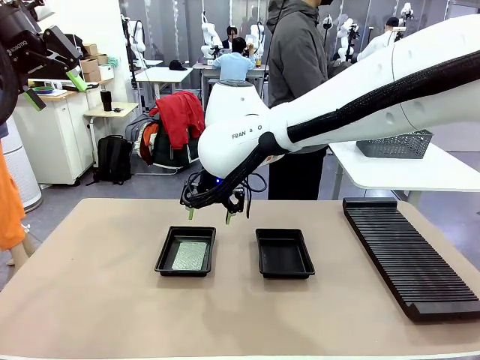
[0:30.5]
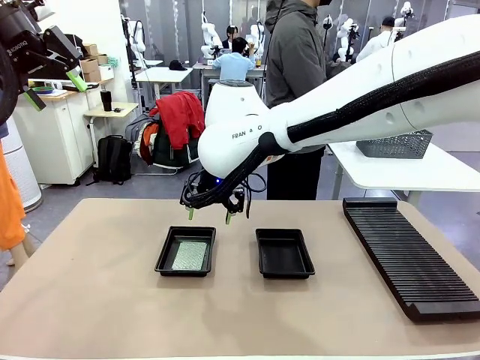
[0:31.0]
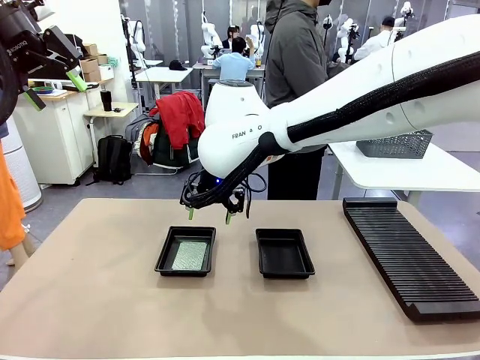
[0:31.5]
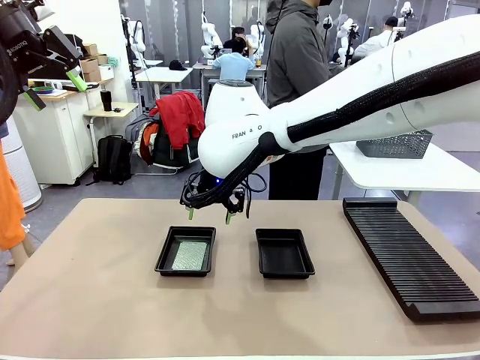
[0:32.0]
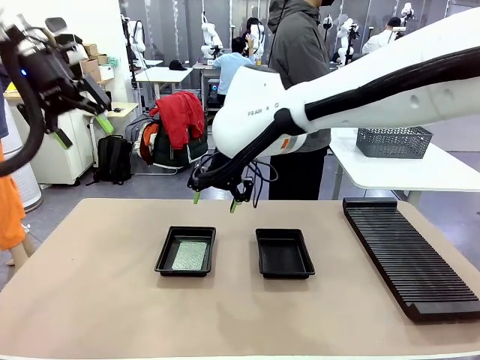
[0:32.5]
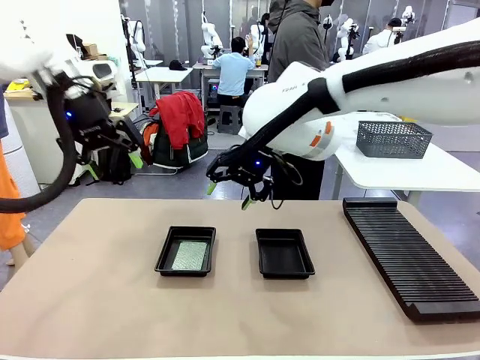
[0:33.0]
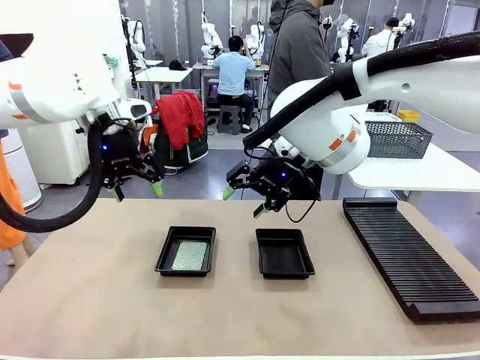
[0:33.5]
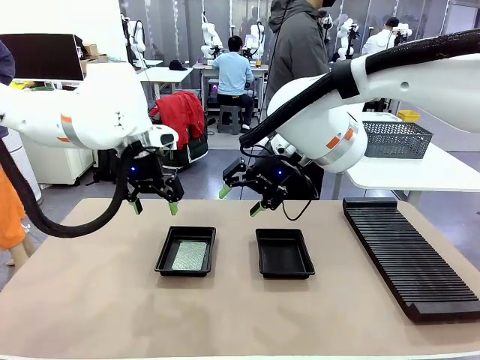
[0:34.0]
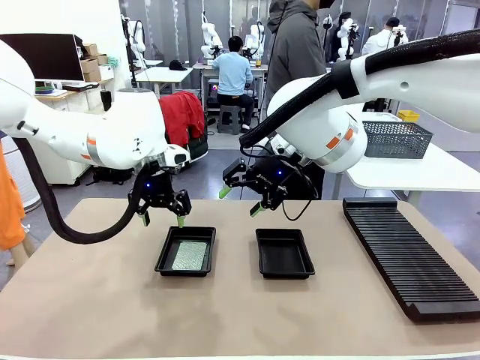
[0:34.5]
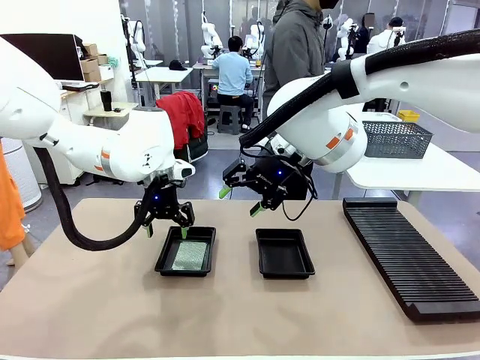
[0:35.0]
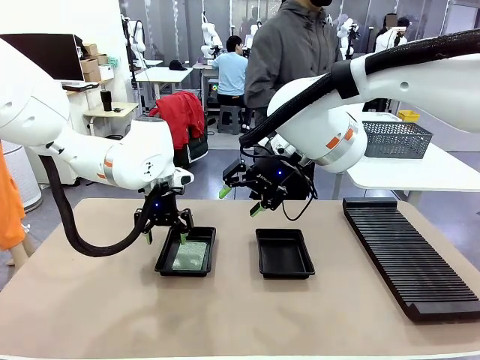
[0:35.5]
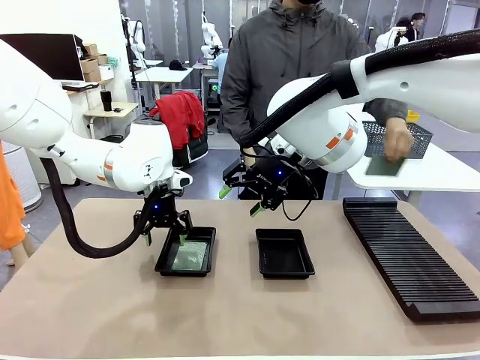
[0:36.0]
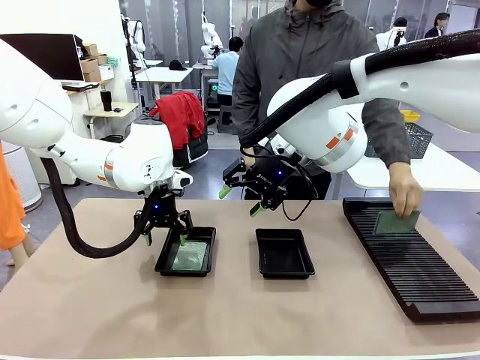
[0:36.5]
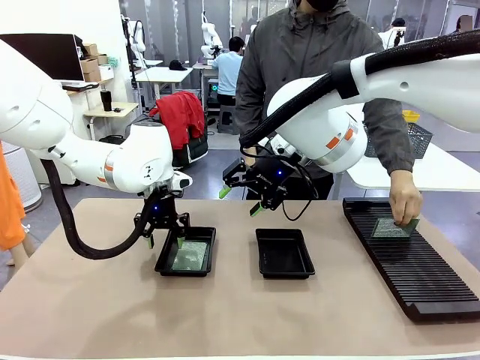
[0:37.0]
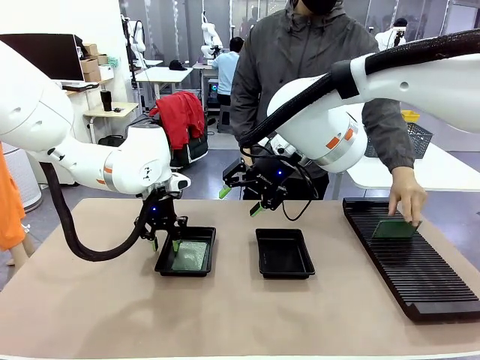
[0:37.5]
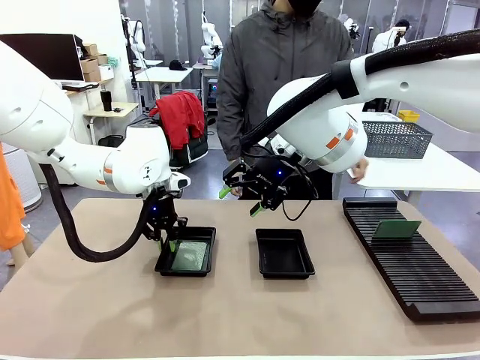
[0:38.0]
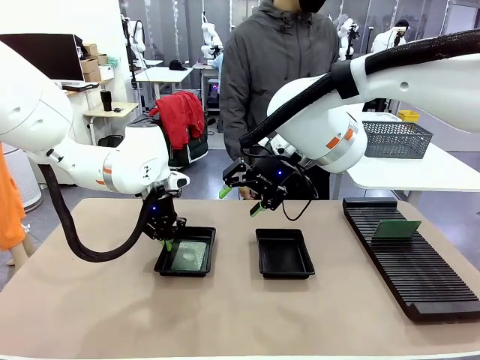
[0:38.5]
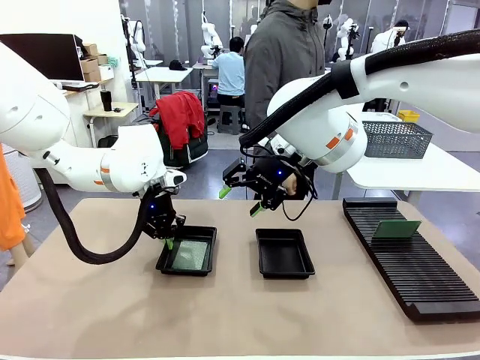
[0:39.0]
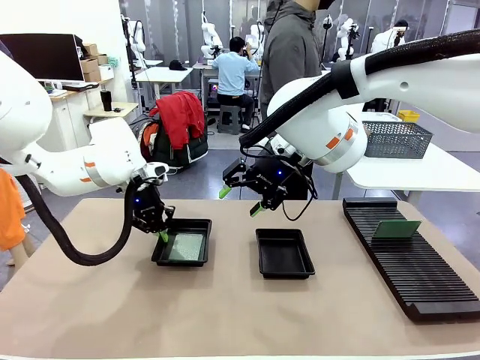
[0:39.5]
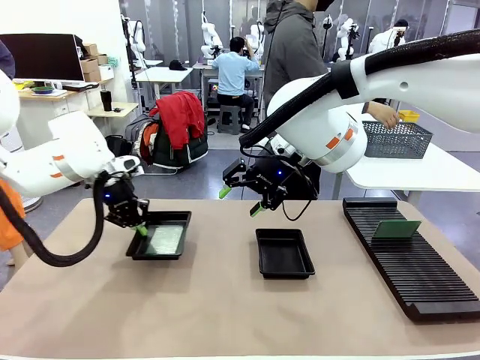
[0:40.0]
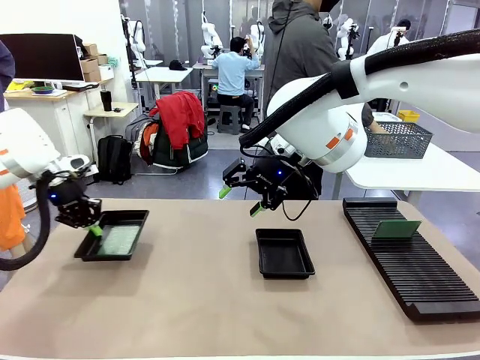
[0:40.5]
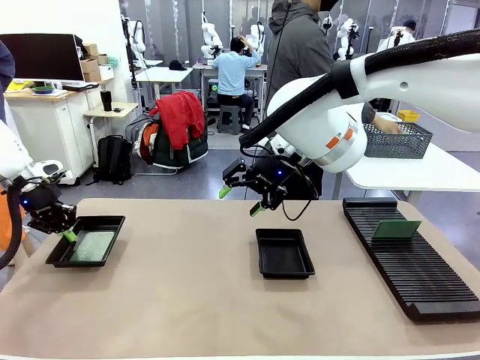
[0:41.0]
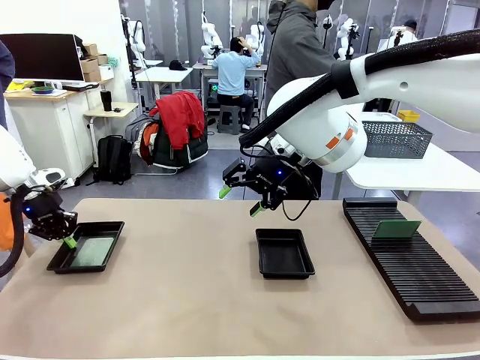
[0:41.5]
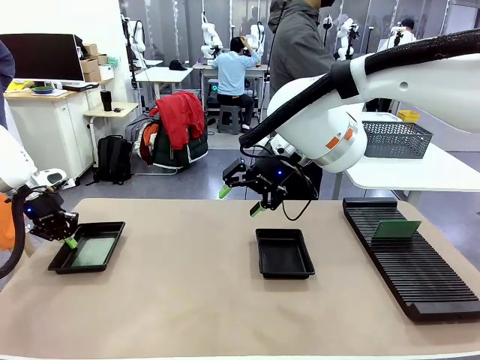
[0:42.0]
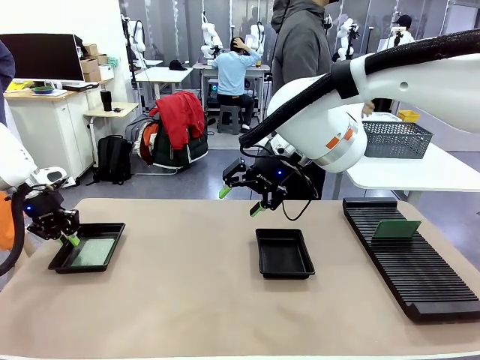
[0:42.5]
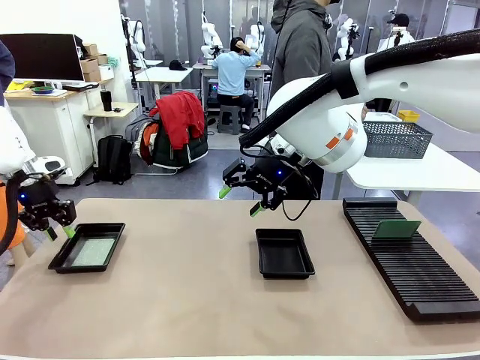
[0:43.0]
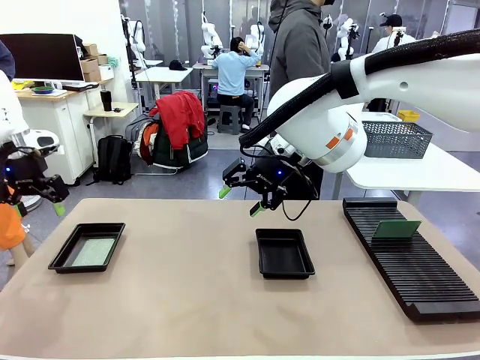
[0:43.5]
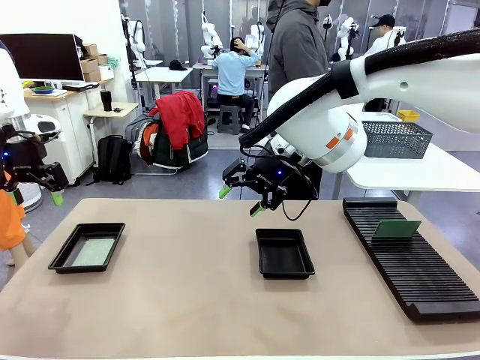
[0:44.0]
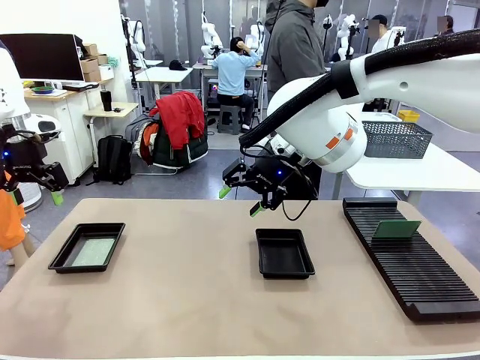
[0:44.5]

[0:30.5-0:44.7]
Task: Inspect and transfer BCBs to ESD trays.
Robot: Pick up the ESD tray and place it on the left side of the table.

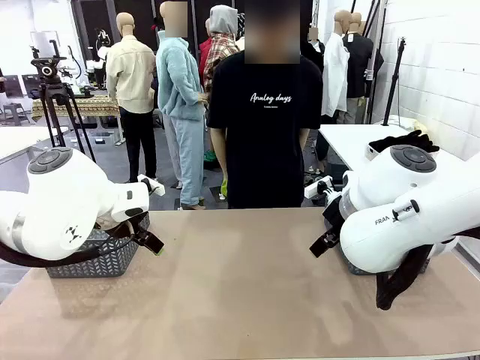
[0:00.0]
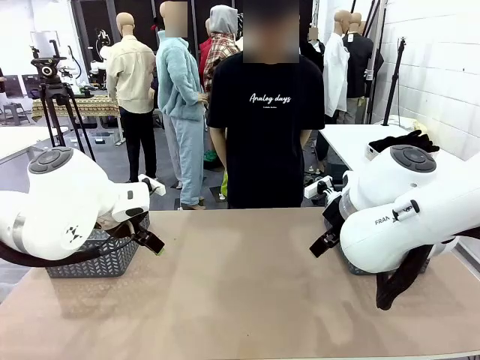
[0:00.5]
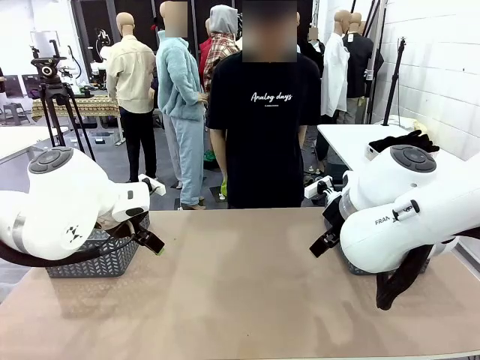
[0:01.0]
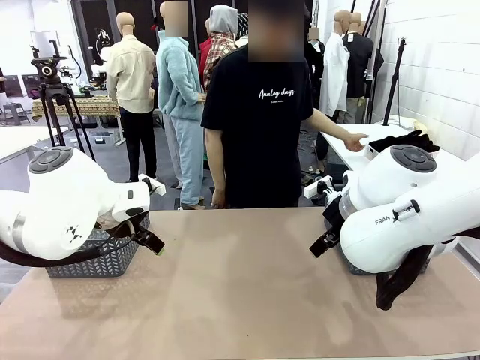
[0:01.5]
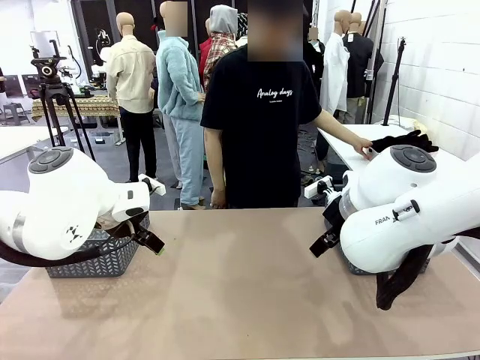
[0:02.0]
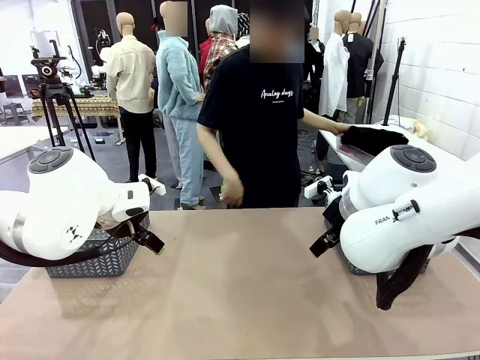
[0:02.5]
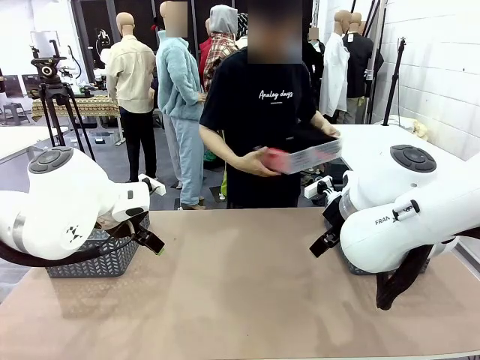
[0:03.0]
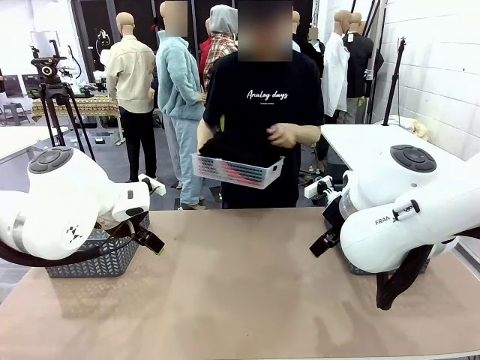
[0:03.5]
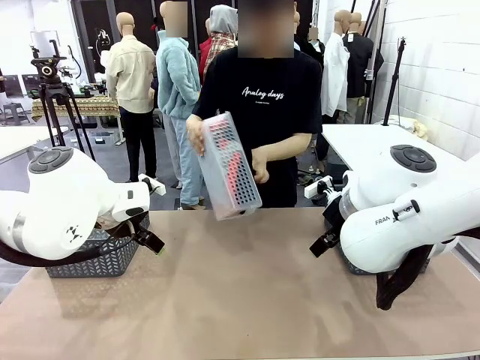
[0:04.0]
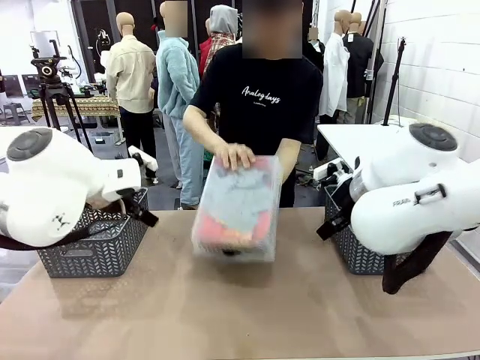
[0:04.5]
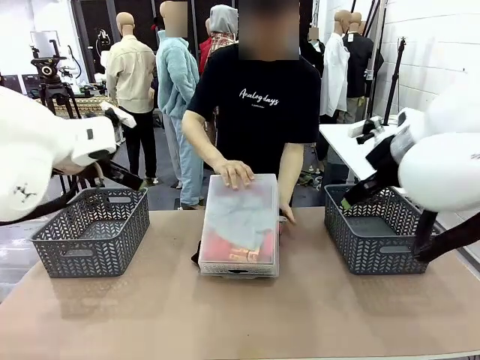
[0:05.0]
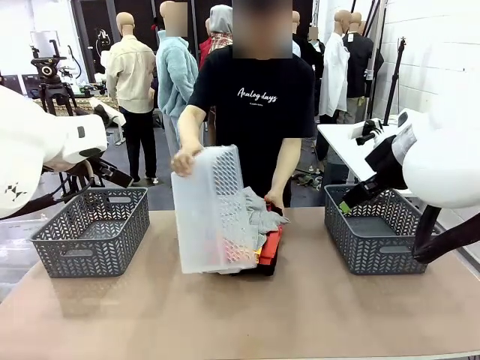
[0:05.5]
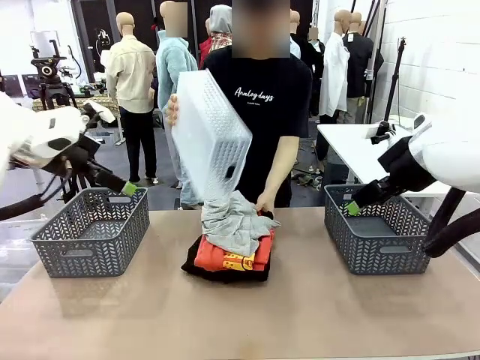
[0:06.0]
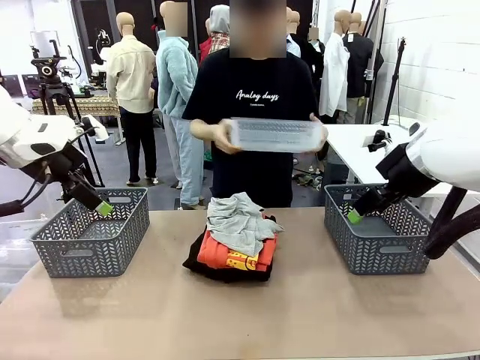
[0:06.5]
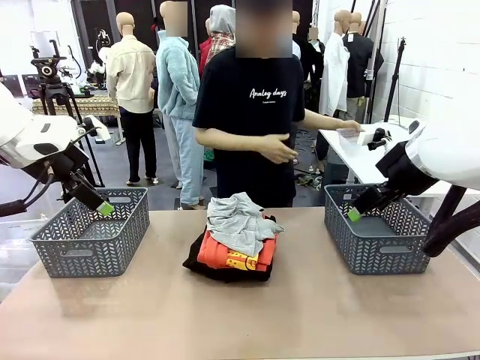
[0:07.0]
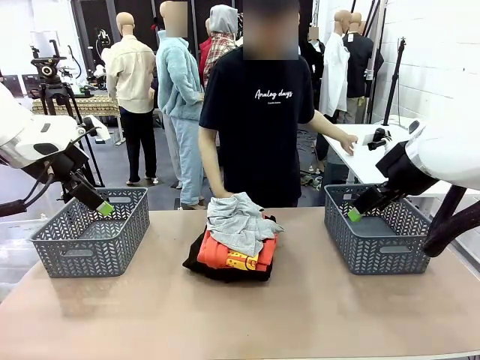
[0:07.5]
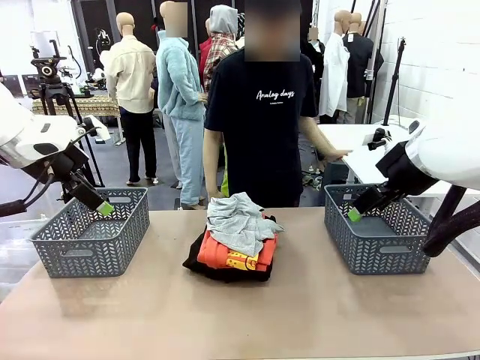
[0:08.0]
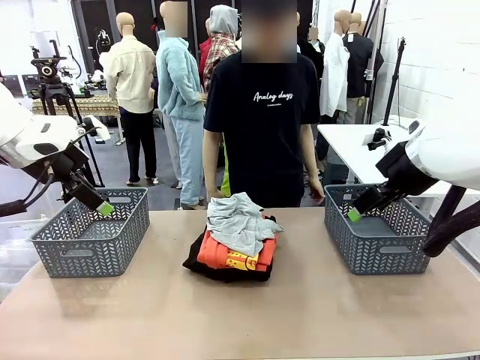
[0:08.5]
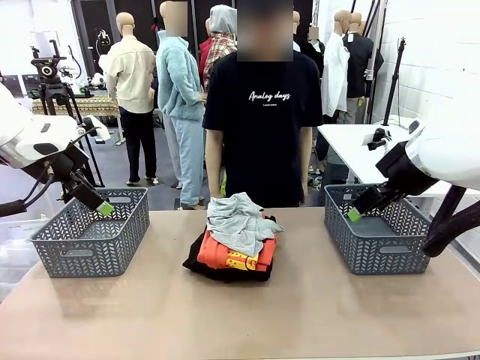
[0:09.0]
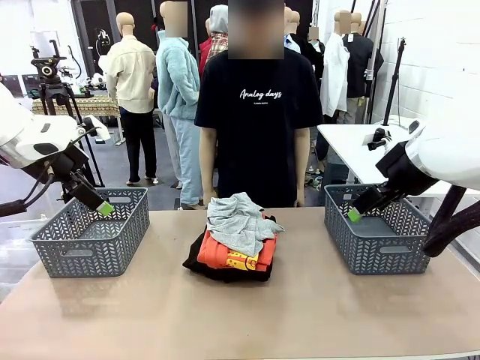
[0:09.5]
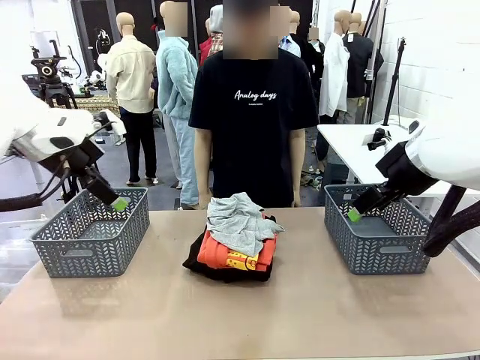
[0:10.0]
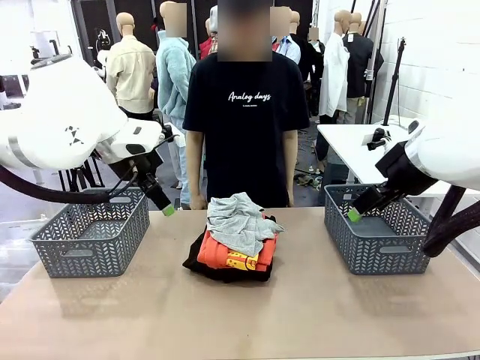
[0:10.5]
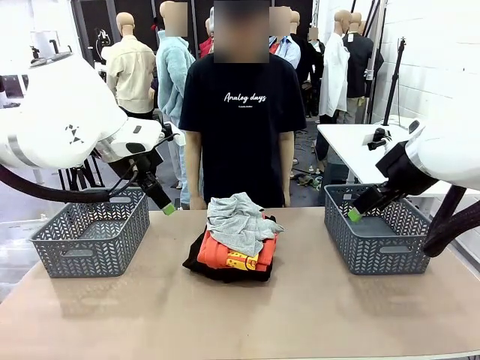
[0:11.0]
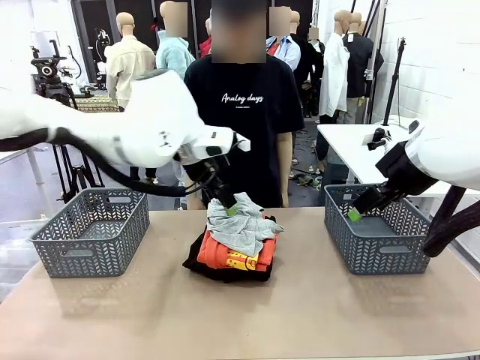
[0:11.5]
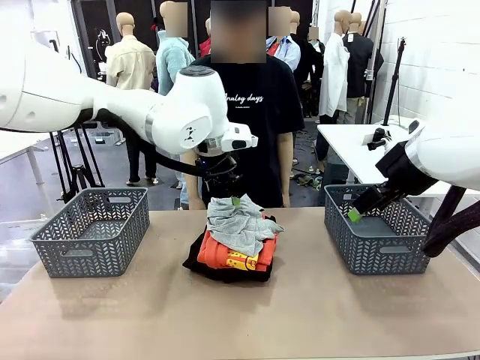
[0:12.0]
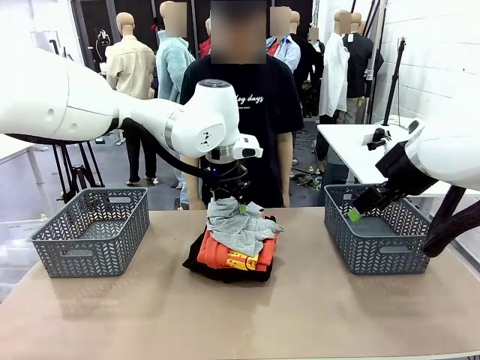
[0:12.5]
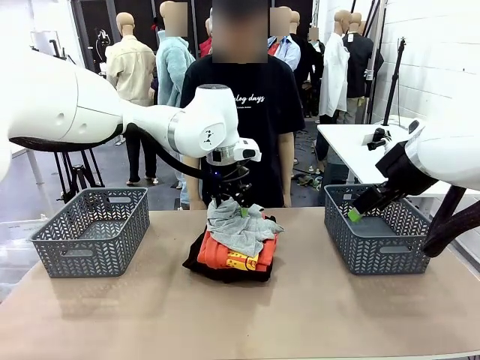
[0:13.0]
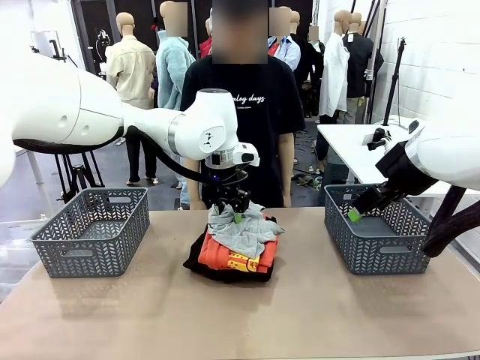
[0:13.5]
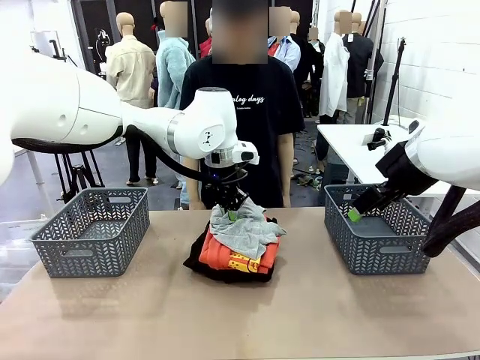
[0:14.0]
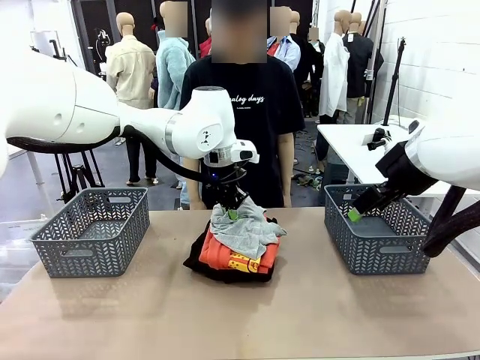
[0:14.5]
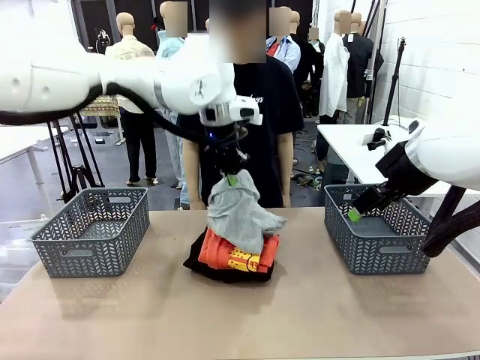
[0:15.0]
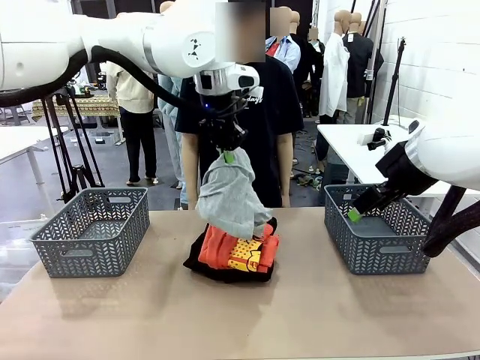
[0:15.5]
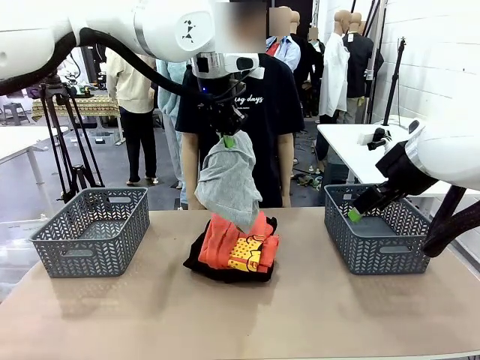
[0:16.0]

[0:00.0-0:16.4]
Task: Sort the tops and bottoms.
Robot: Lift clothes from the center of the table with your left hand.
Person: Pour the clothes from the basket onto the center of the robot table.
